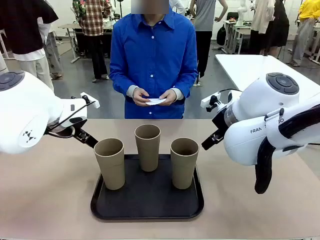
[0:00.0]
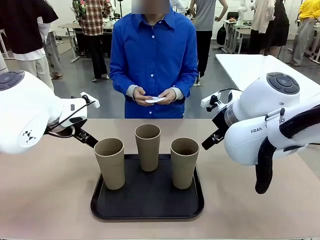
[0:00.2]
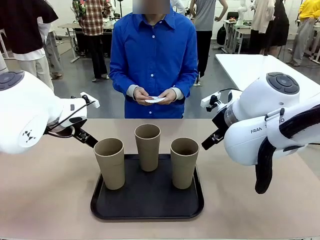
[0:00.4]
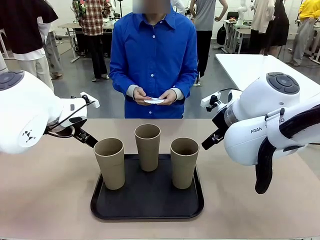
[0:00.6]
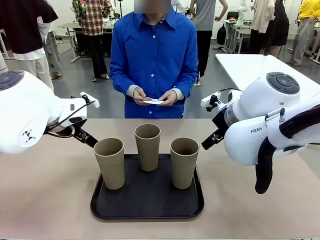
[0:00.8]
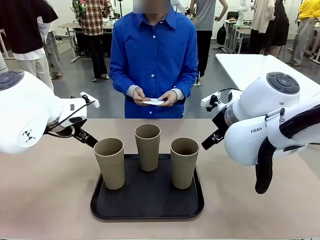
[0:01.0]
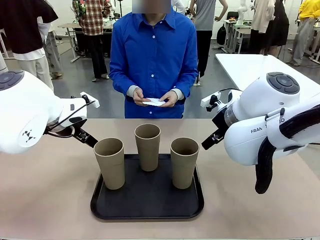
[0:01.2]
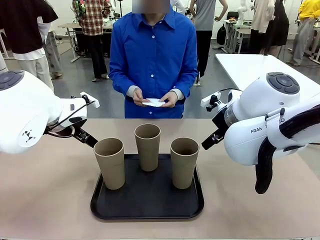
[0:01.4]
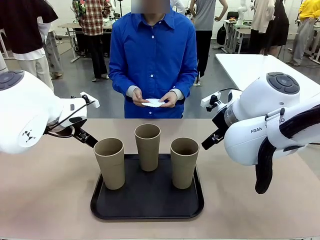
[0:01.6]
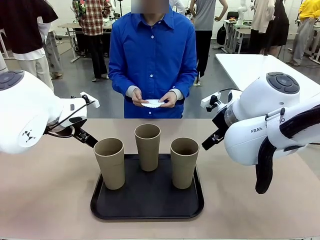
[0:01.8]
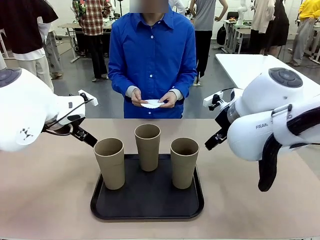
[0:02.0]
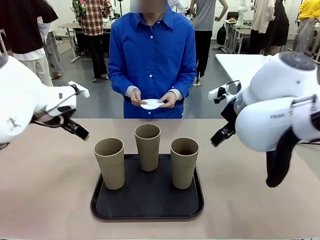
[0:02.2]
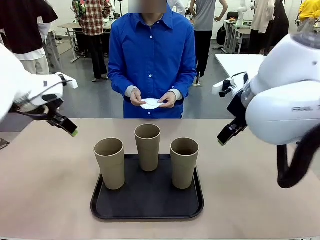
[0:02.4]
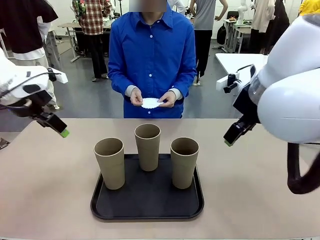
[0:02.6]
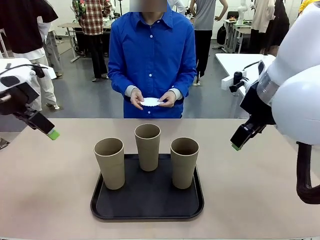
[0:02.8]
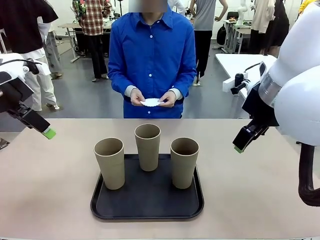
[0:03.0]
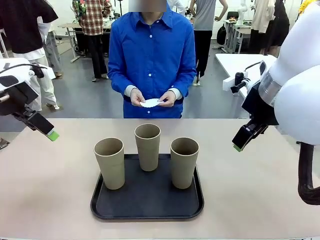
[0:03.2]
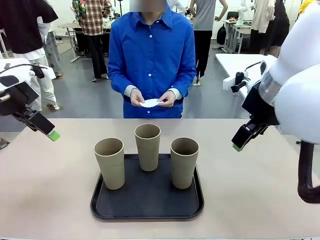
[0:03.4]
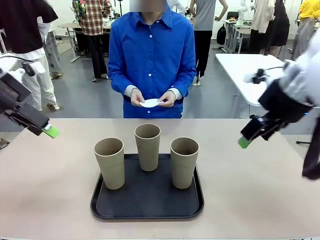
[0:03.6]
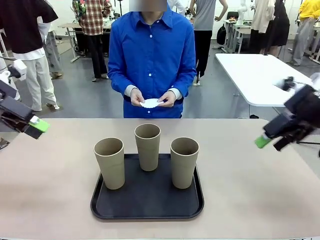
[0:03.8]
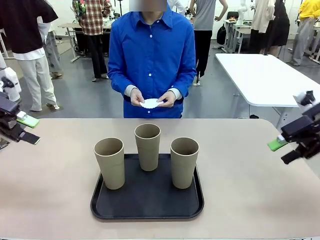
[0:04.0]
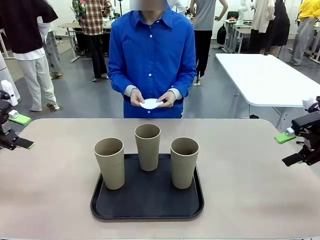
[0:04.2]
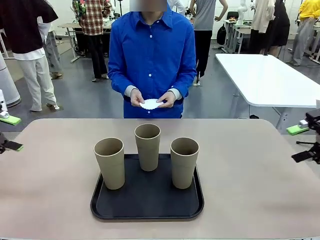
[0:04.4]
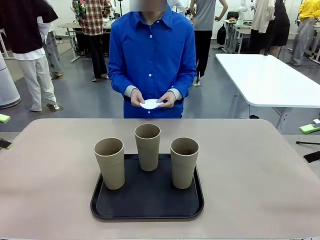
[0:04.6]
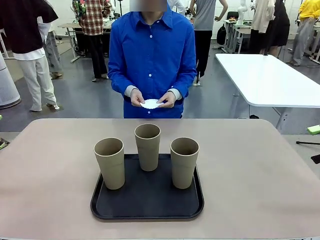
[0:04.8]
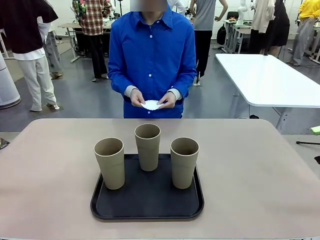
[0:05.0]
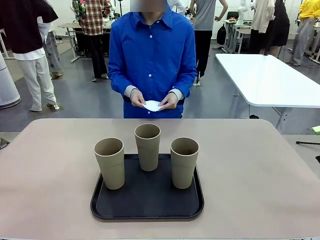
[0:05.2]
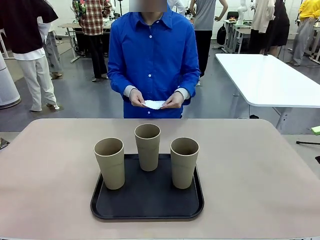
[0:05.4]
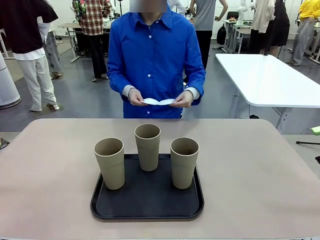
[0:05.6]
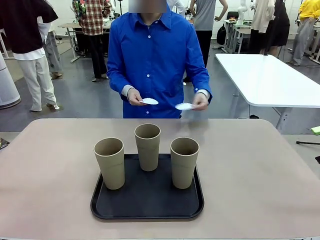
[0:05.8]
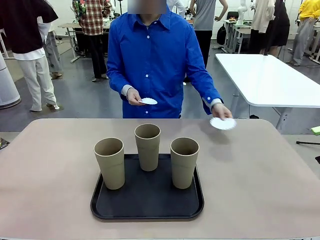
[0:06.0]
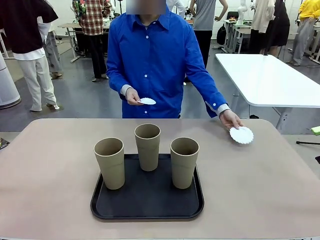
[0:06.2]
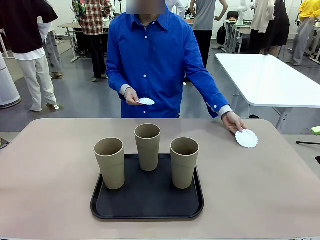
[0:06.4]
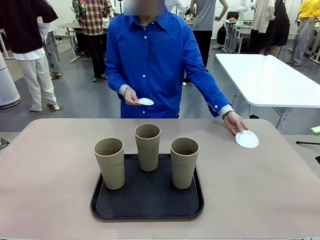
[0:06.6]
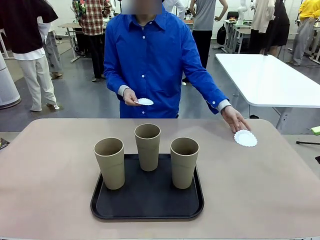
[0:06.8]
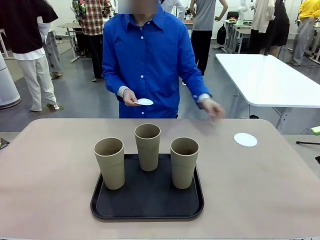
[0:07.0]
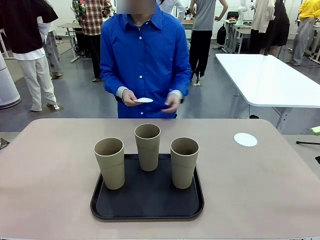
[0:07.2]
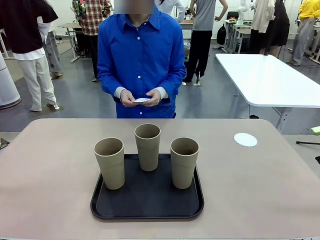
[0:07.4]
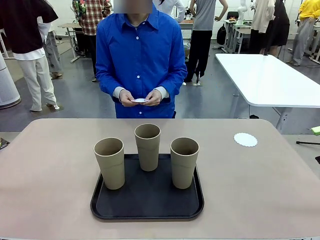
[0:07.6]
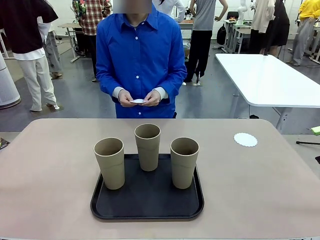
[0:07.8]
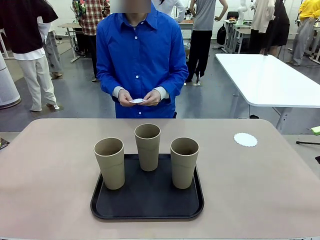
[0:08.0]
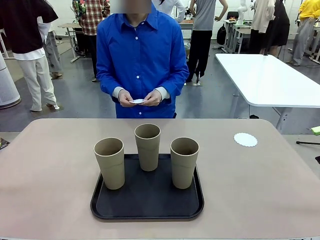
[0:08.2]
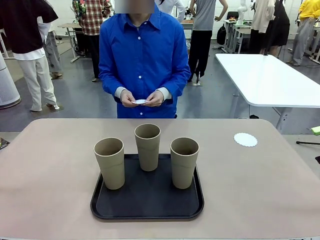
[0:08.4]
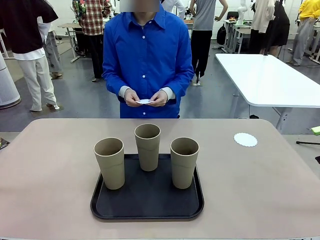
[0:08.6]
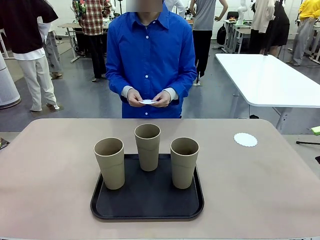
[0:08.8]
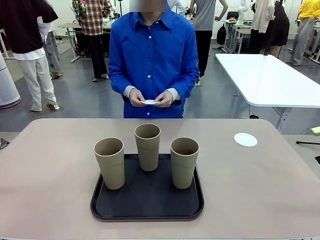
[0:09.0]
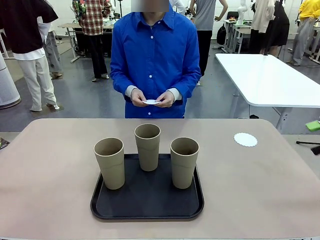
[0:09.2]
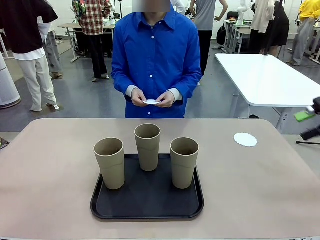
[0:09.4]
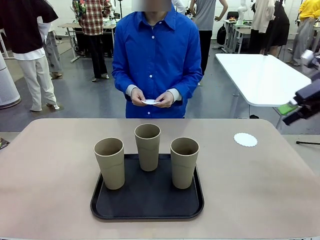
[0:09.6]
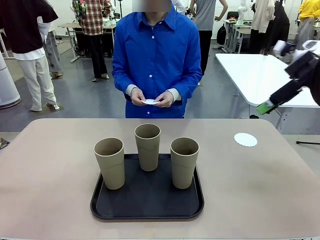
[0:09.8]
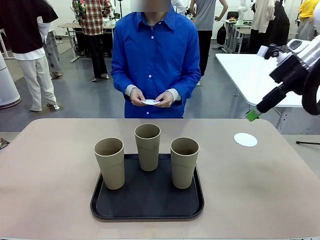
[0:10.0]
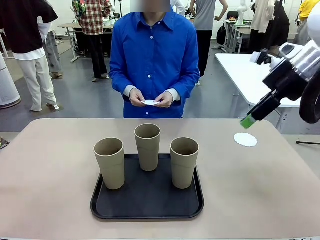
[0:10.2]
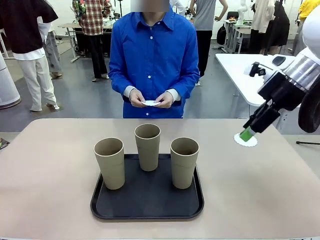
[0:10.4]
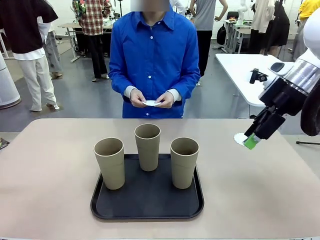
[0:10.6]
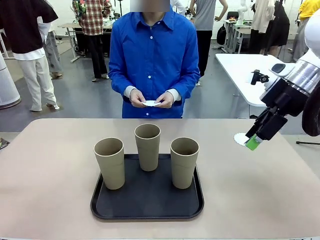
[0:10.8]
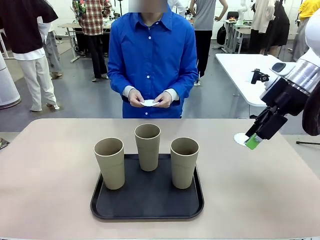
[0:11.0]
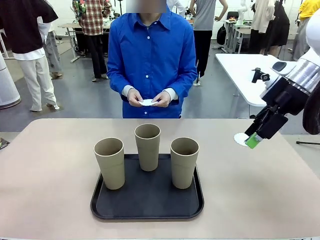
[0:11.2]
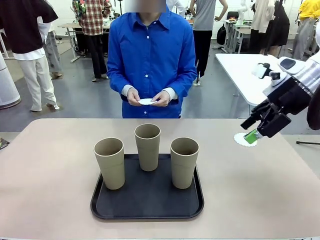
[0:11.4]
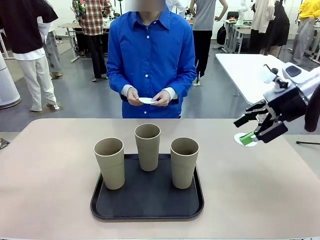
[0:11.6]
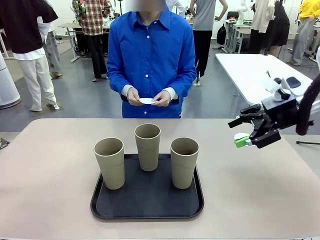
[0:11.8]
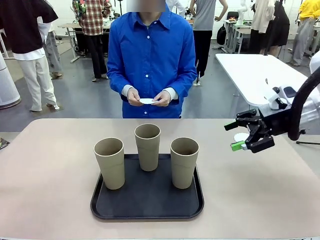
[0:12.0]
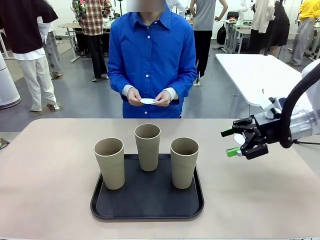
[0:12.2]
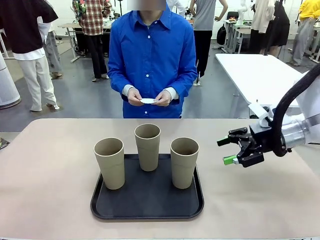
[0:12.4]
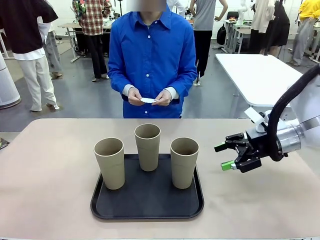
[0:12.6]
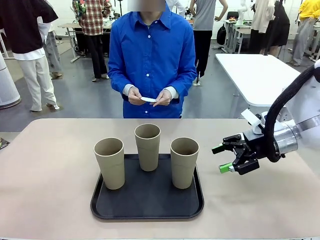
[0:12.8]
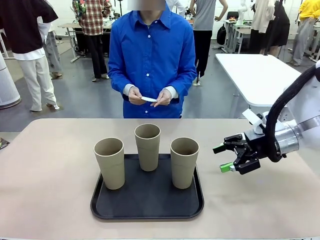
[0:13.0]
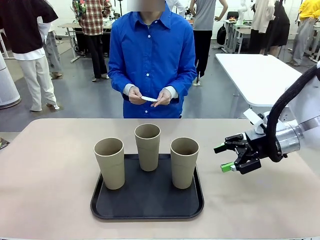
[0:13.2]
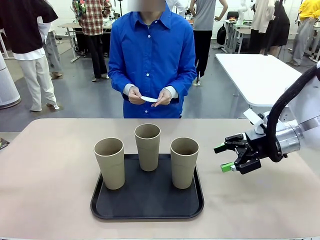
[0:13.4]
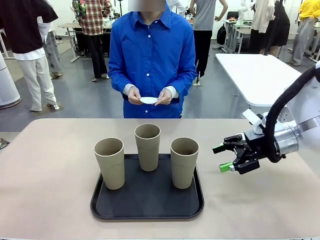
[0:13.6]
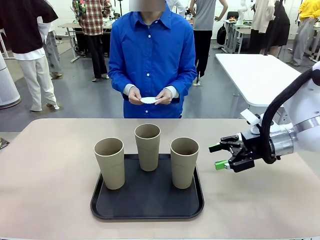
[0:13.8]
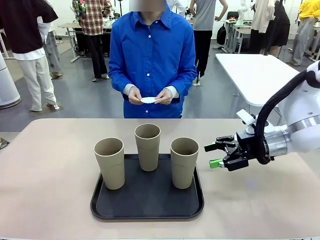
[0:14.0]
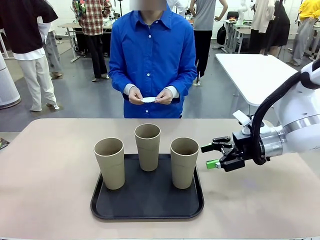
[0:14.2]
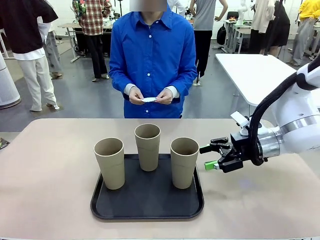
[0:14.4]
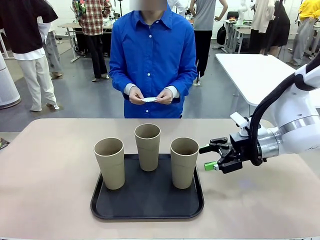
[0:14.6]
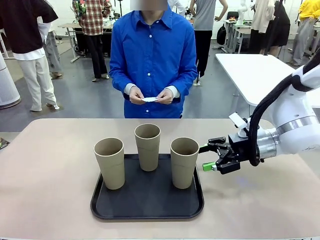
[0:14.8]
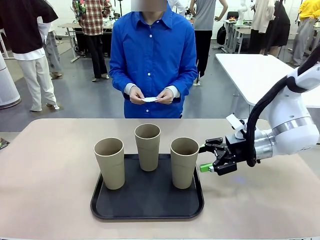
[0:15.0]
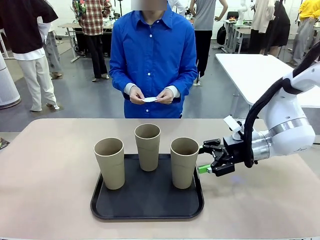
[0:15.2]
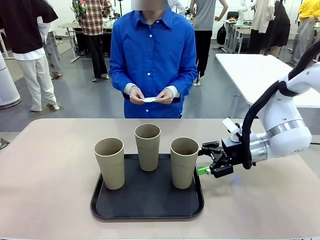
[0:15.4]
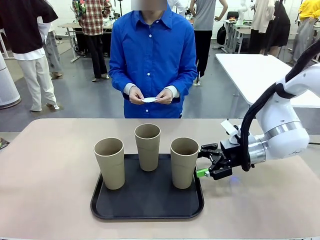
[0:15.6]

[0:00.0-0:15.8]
Task: Place coasters on the table and set cups on them.
Robot: Pick up one Reusable plastic cup and place it on a coaster set by the human.
Person: Place one coaster in any one of the three lower areas of the robot table (left, center, or right).
